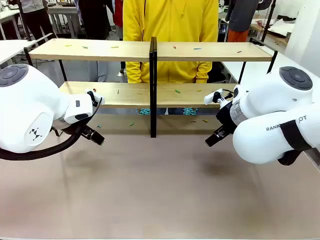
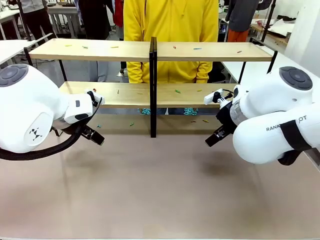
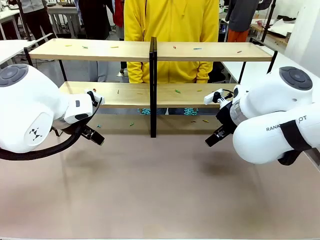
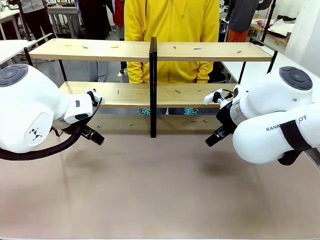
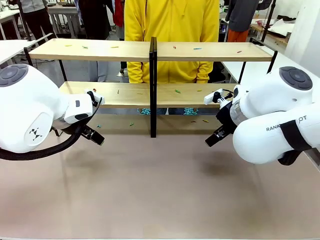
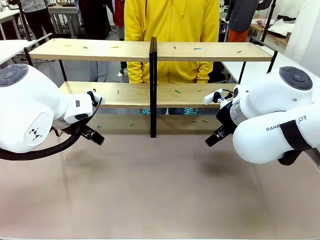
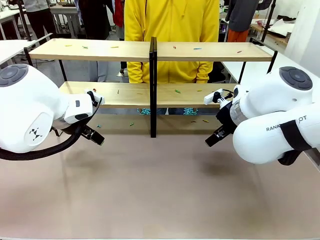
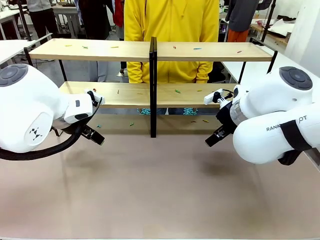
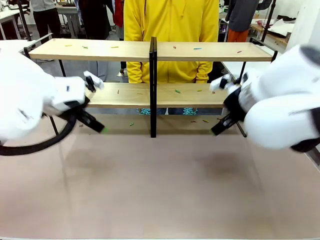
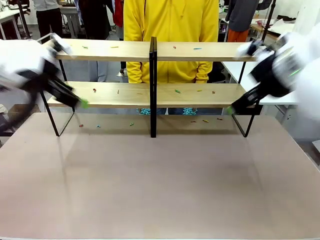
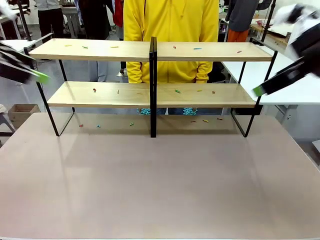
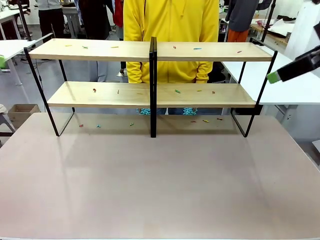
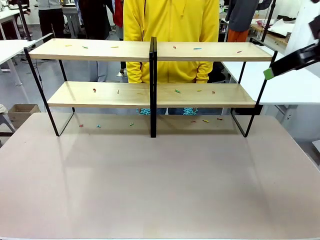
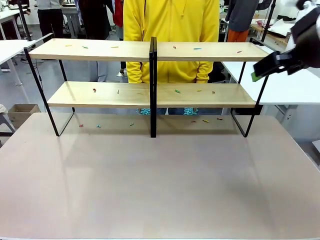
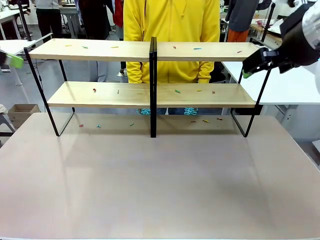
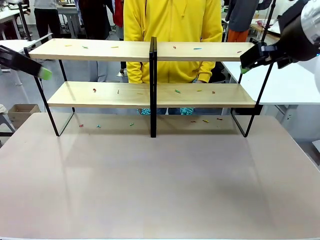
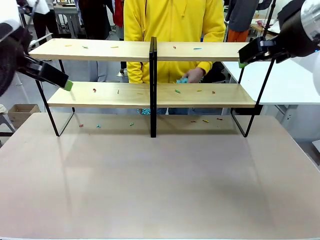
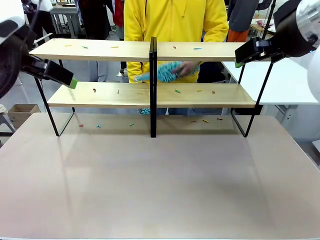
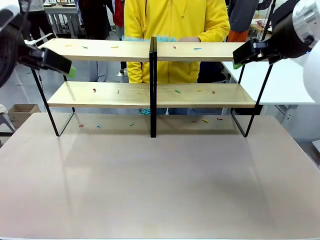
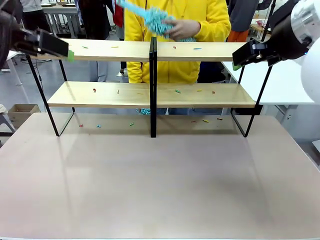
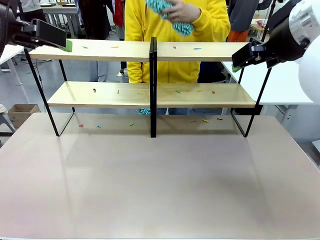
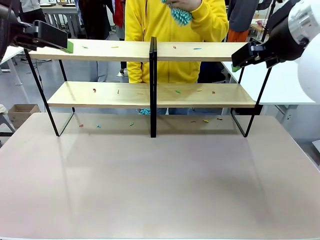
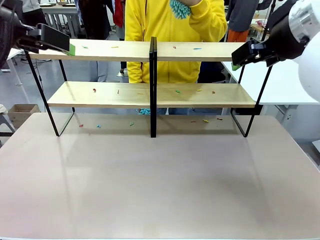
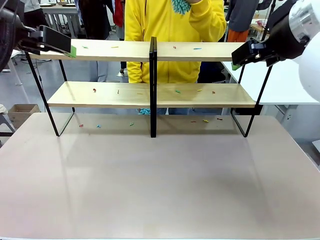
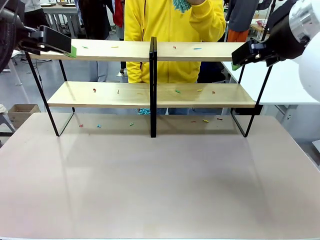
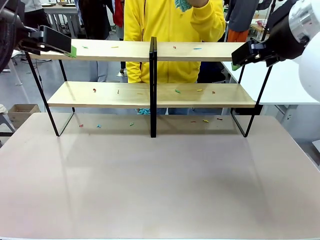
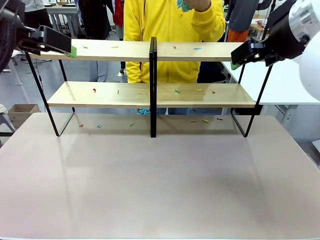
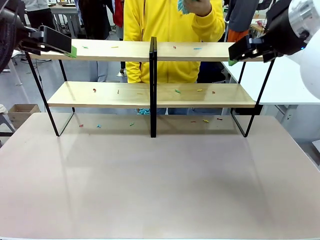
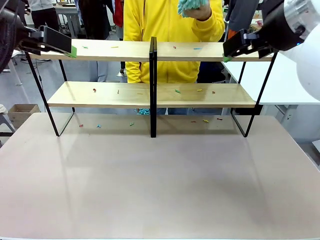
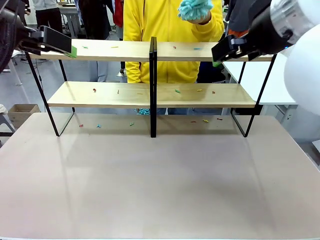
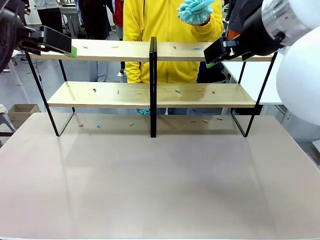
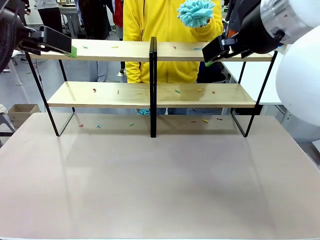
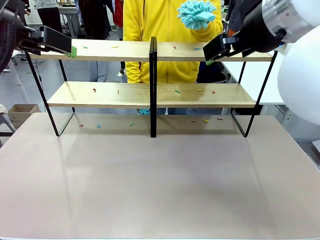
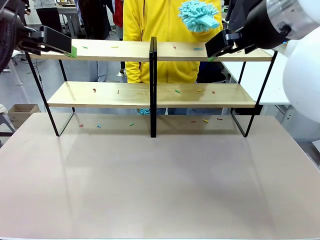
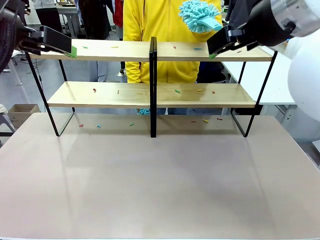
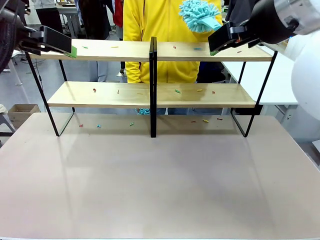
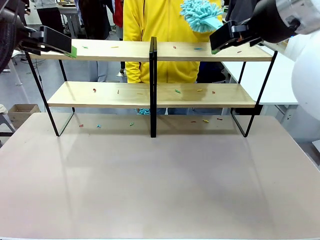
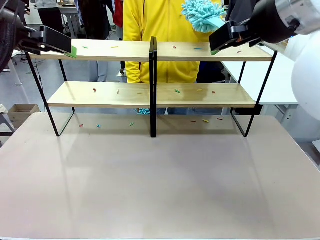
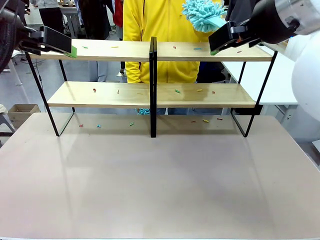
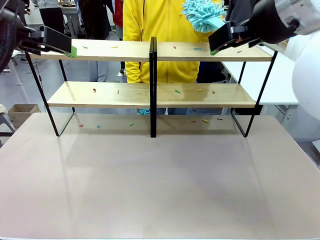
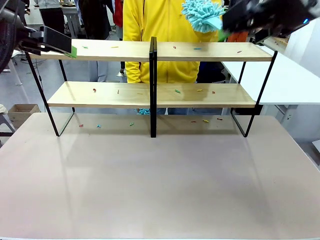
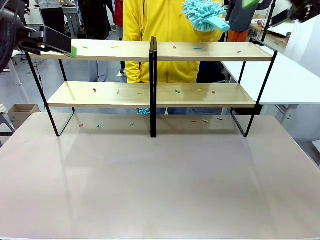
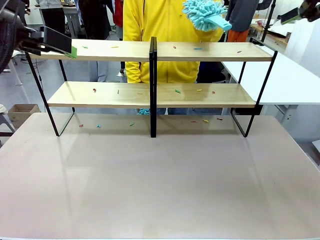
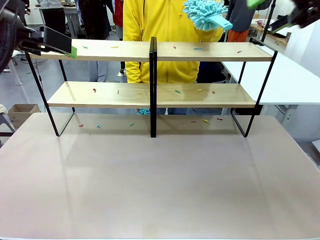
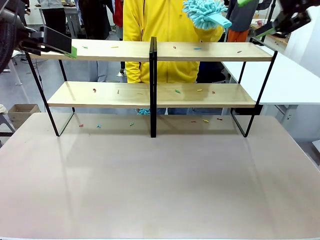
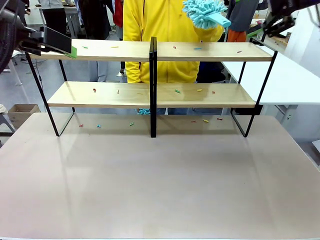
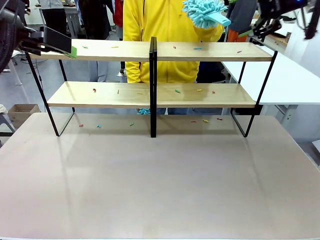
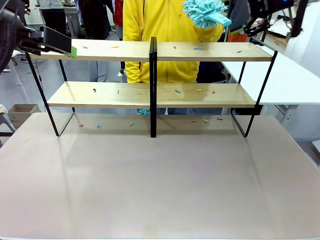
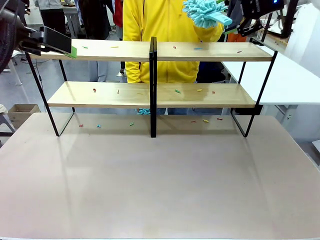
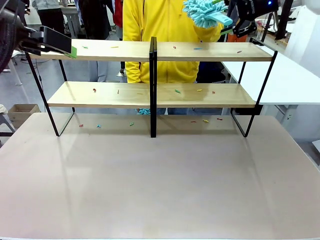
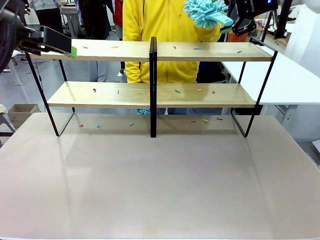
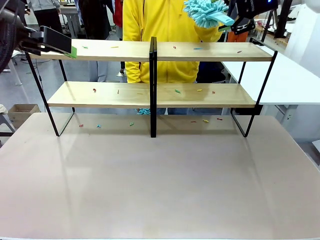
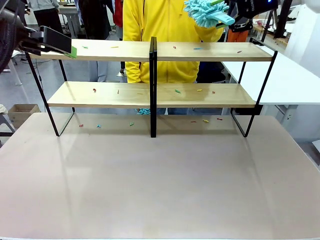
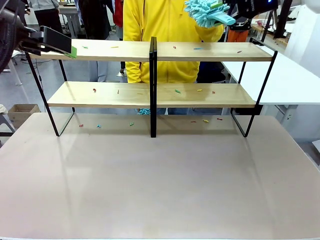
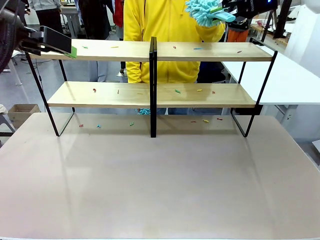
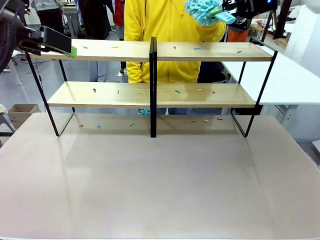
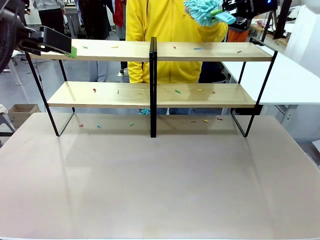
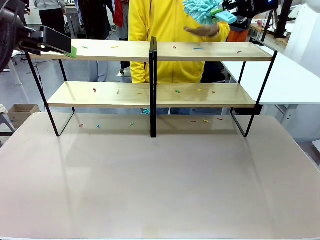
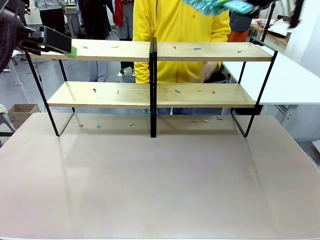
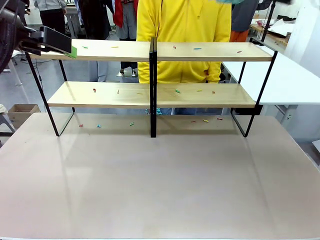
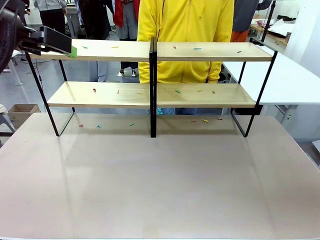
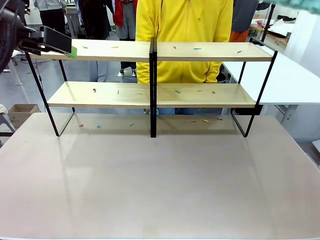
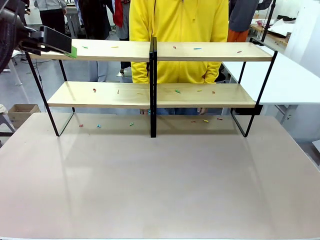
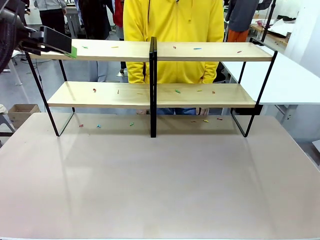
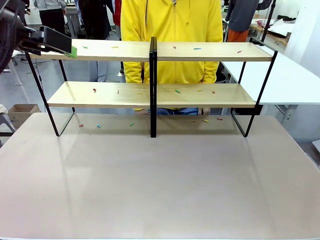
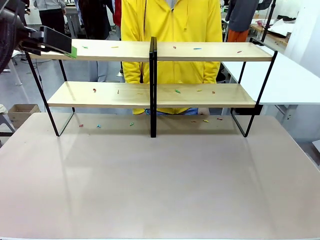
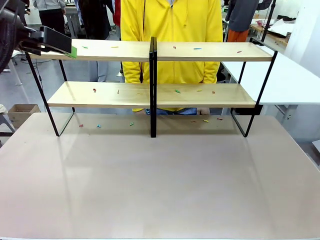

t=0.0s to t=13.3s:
Task: Clean the shelves.
Robot: Pick up the Duster when the human hands it over.
Person: Hand the Duster to the robot with your right (or left) hand.

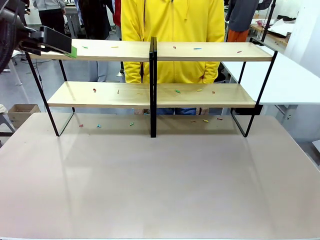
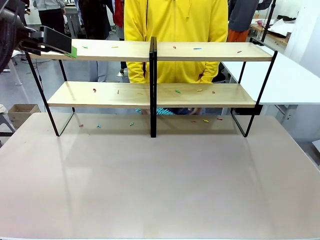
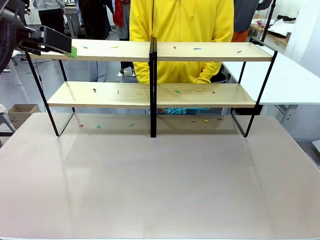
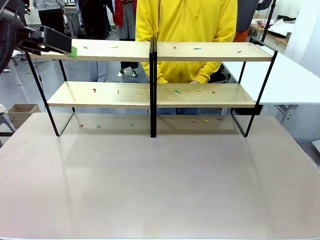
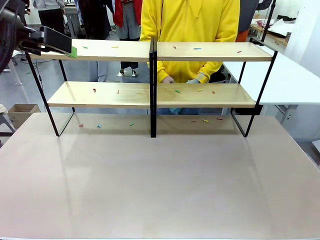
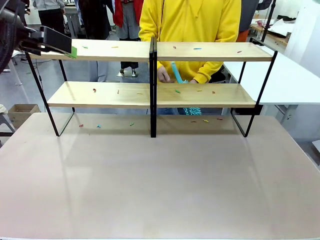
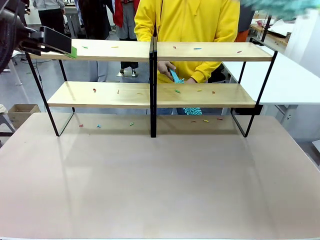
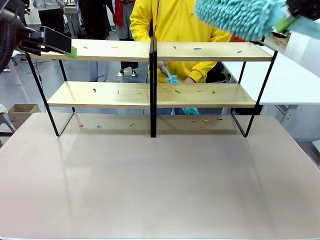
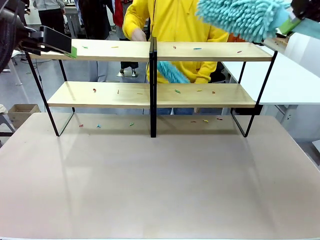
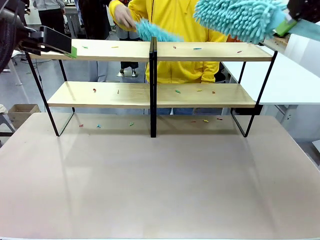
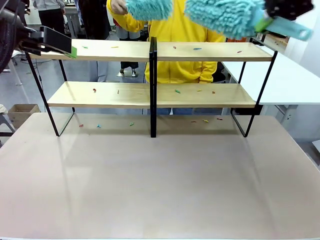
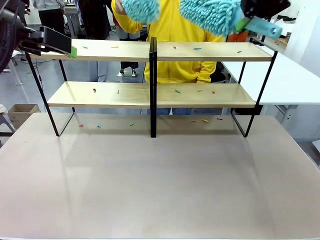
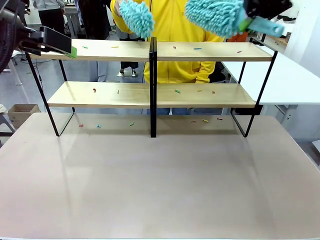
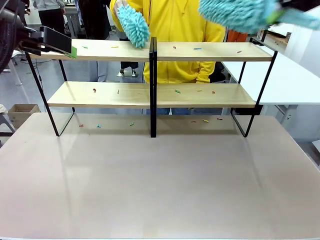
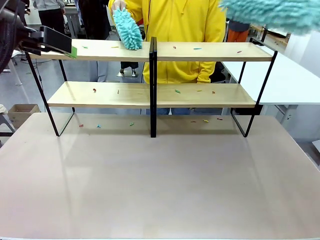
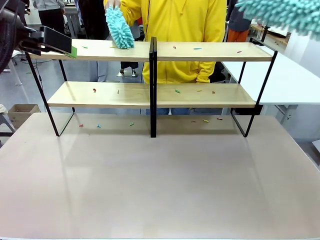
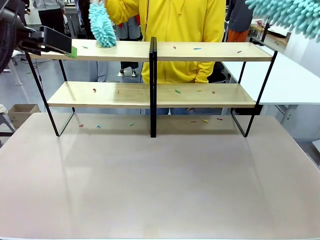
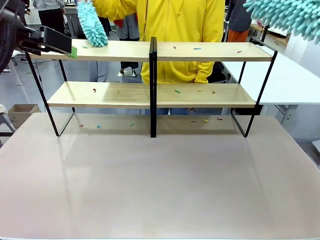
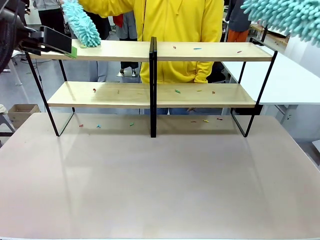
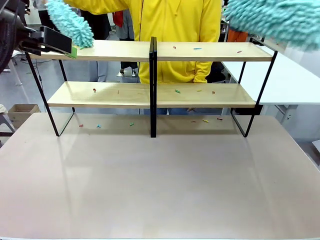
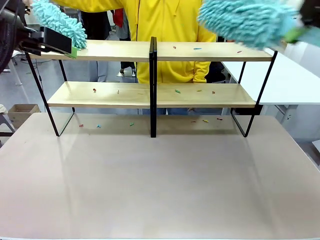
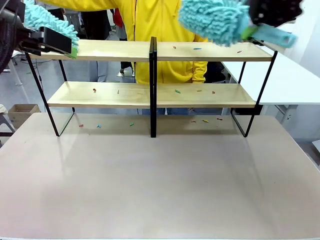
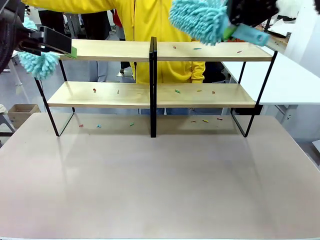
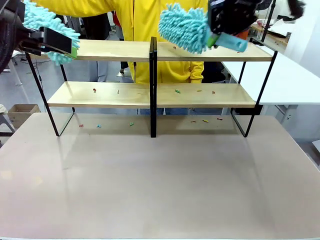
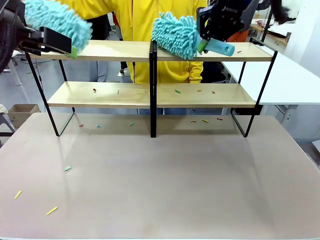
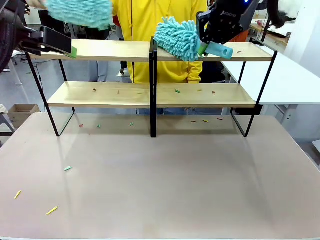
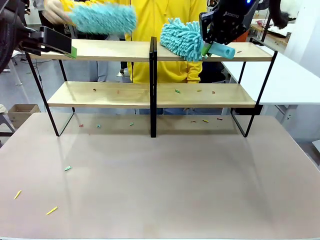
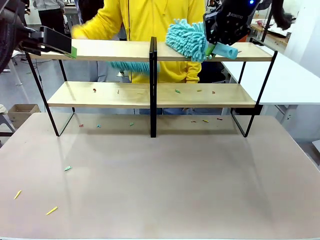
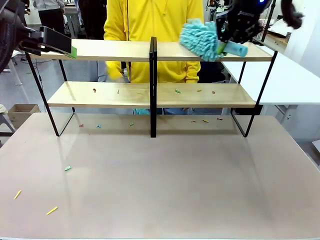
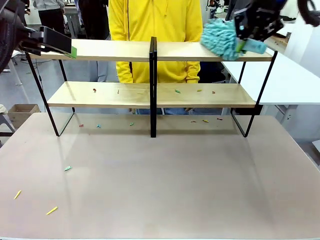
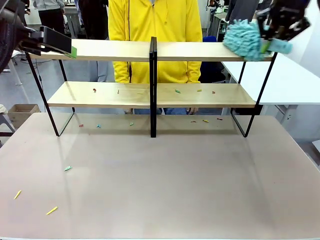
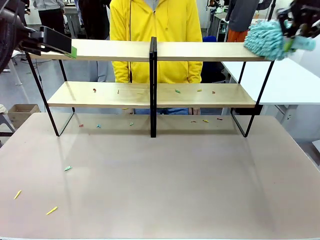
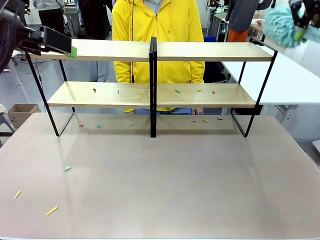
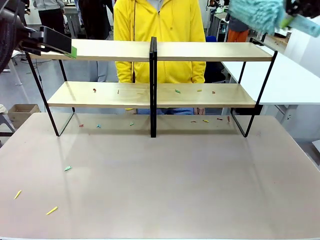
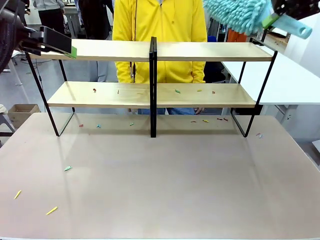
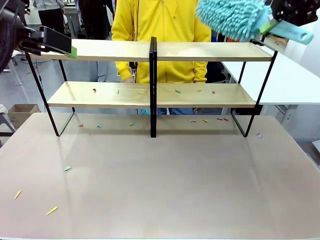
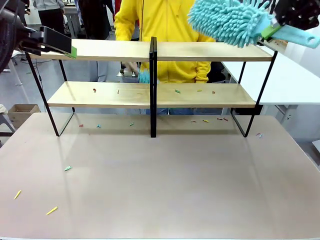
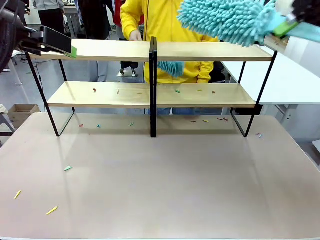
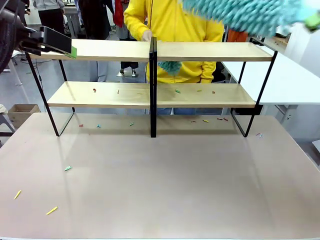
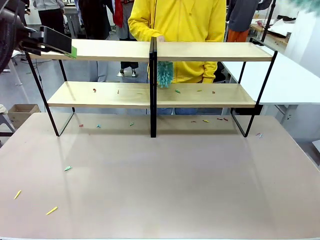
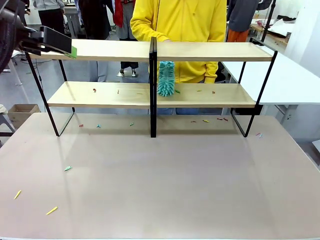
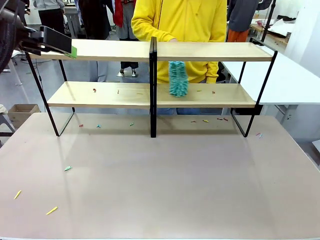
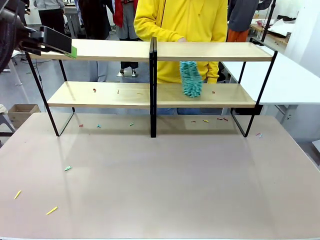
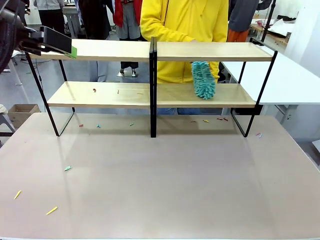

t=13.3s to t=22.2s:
Robot: Clean a randomly selected level of the Shelf with the Duster.
